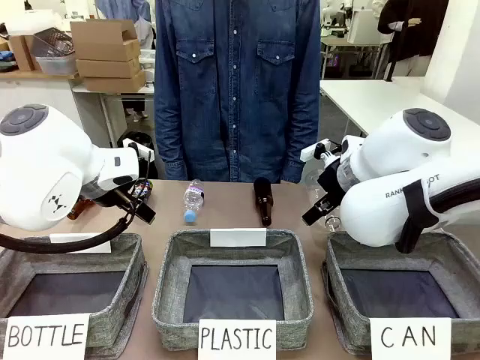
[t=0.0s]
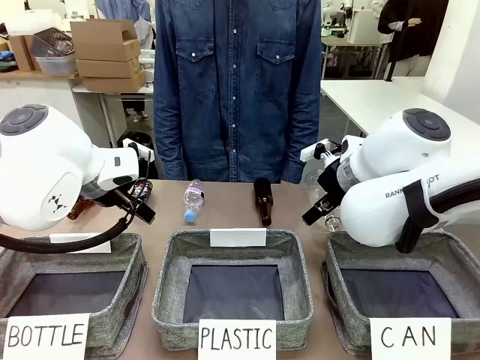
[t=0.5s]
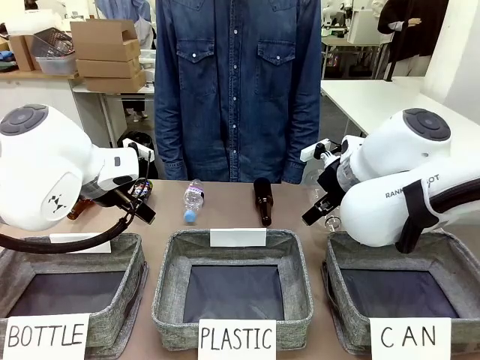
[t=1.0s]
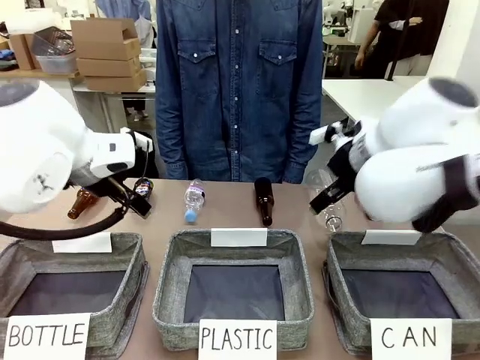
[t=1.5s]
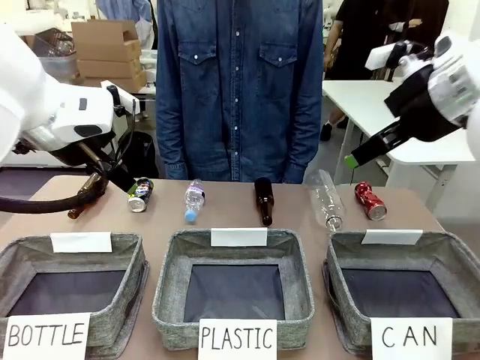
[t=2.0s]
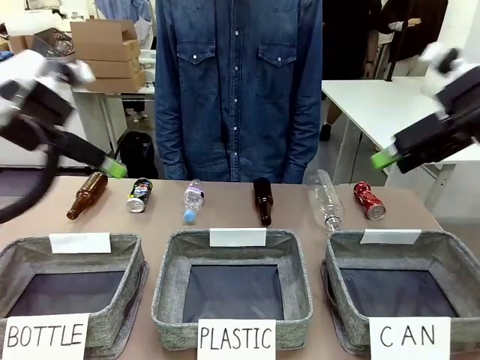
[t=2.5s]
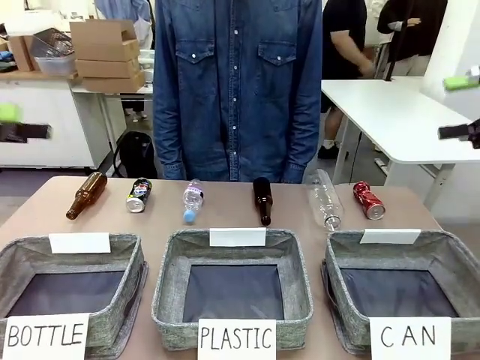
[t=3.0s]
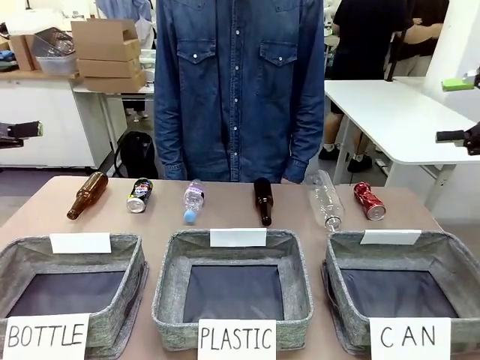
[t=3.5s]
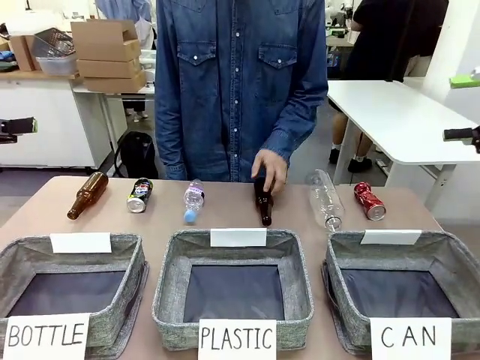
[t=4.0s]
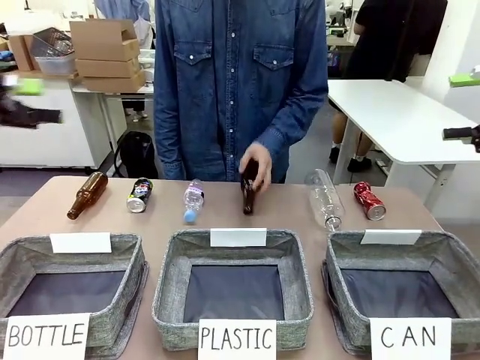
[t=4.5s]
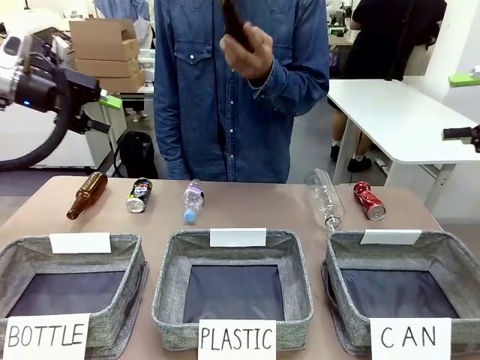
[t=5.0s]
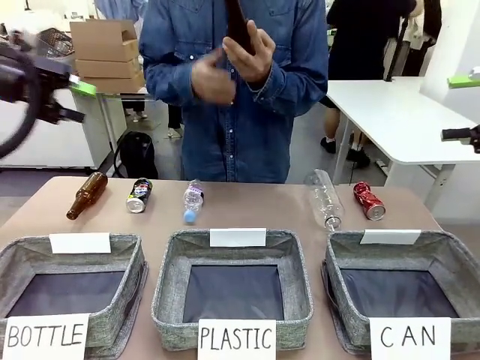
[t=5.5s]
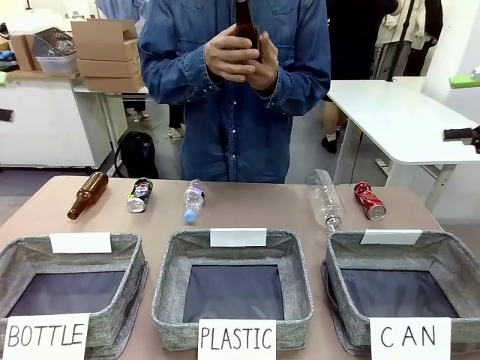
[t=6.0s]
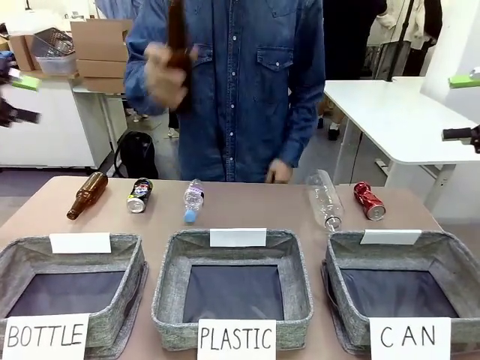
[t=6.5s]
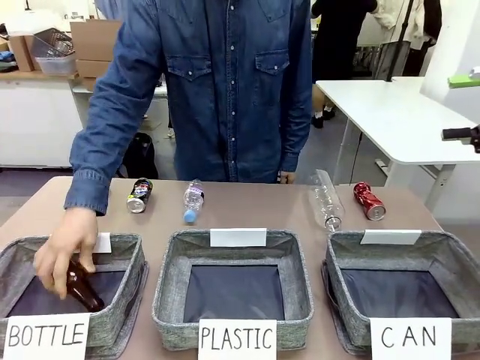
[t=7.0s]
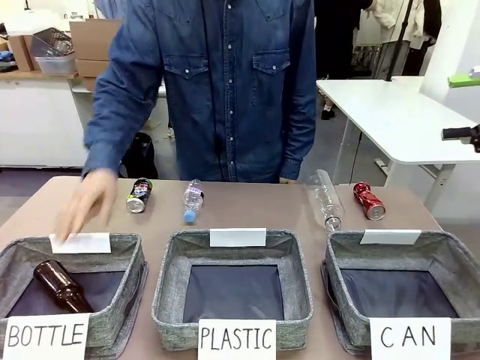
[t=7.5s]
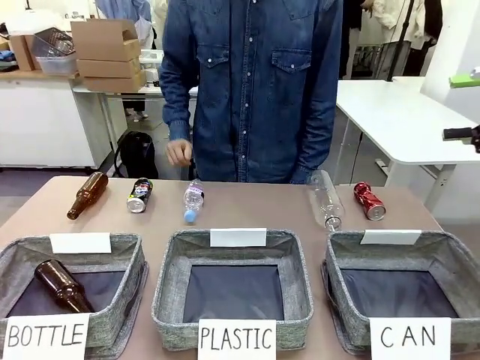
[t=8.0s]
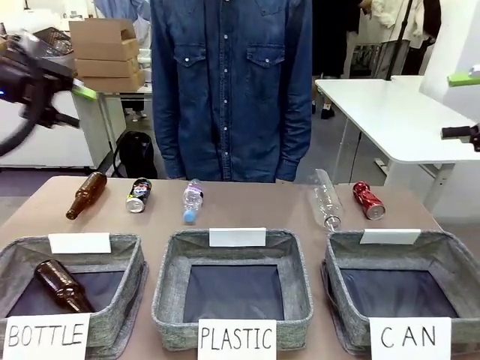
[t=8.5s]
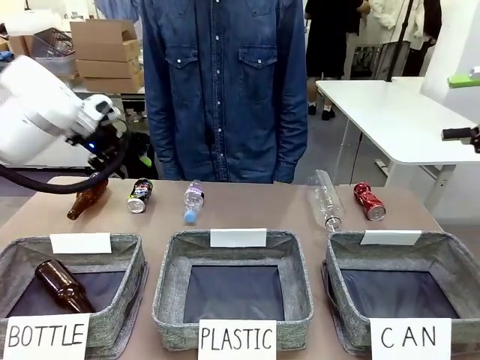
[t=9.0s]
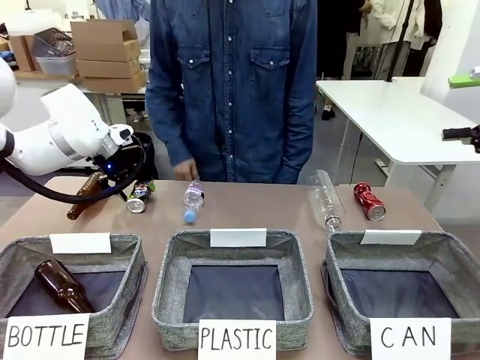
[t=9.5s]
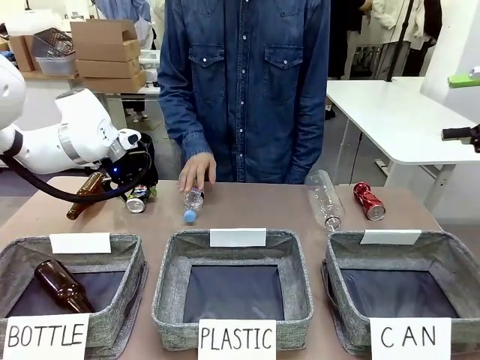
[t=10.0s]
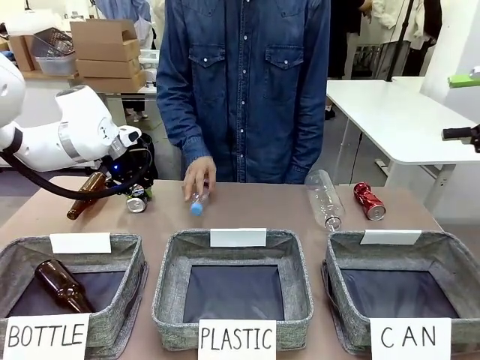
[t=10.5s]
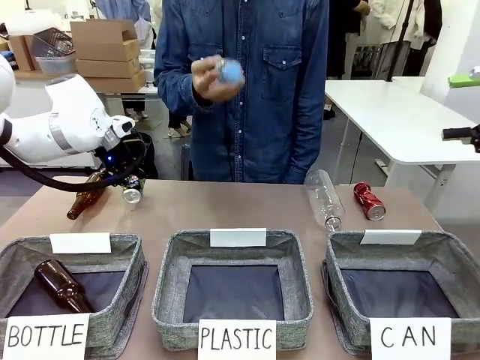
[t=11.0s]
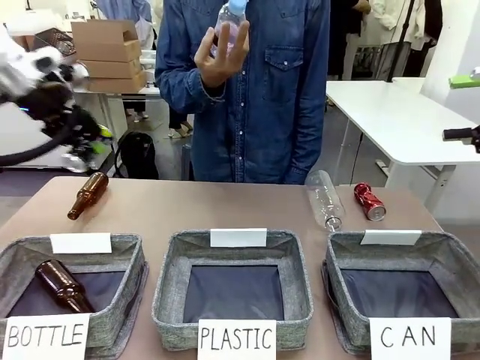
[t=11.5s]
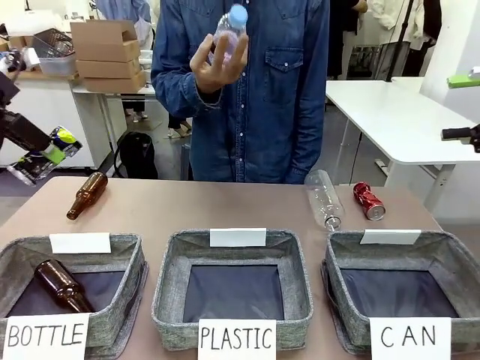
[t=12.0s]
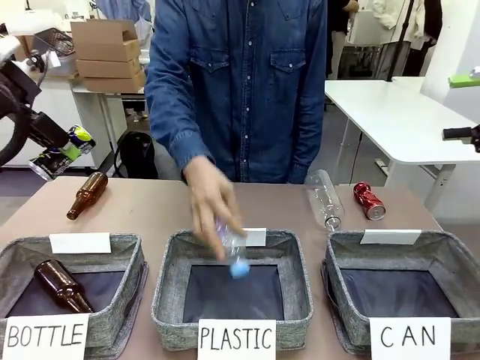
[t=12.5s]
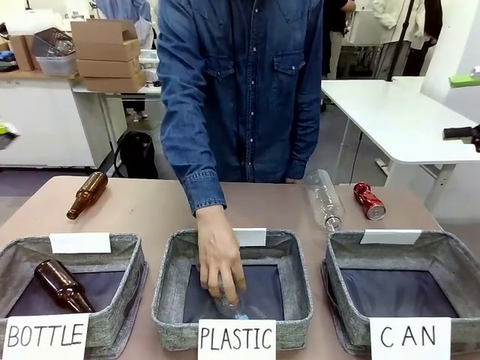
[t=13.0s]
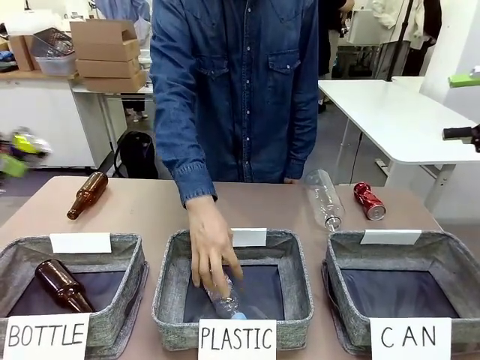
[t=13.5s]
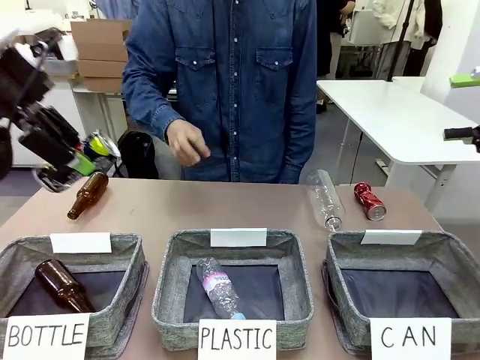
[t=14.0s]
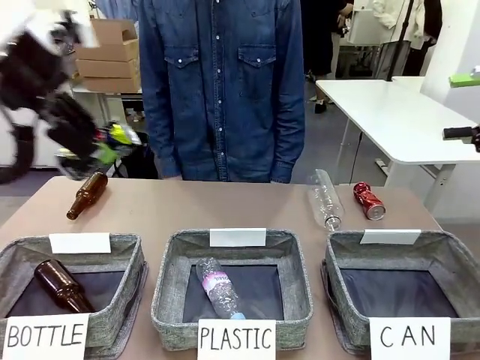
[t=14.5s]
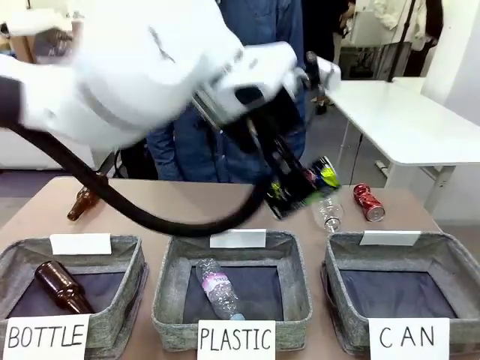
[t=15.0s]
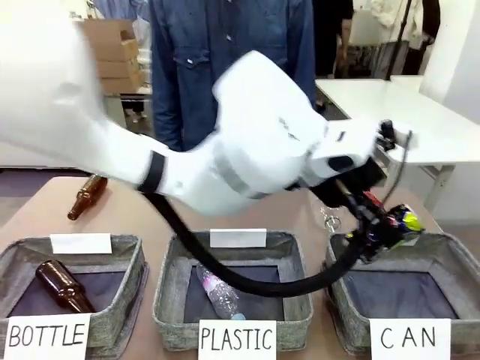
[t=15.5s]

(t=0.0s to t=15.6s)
Task: Sort the can waste into the basket.
Robot: Pick up the can waste from the table and place it in the right Fabric basket.
